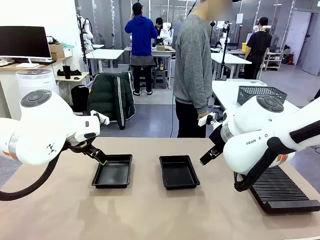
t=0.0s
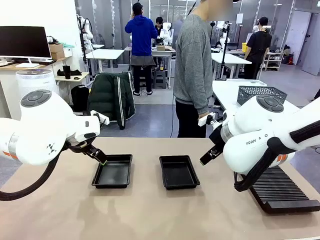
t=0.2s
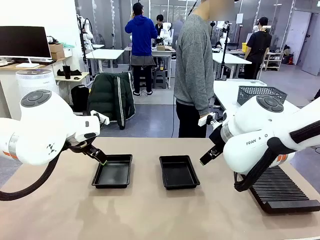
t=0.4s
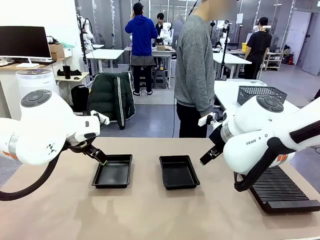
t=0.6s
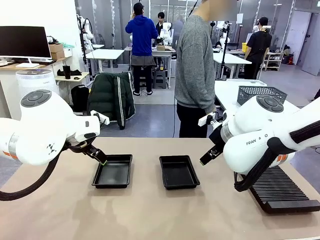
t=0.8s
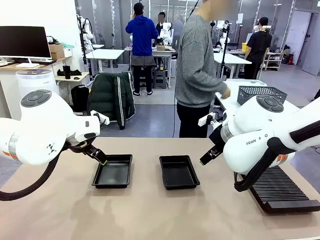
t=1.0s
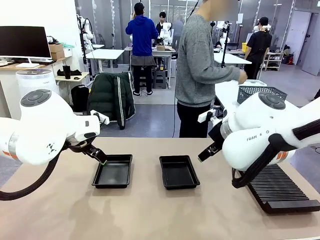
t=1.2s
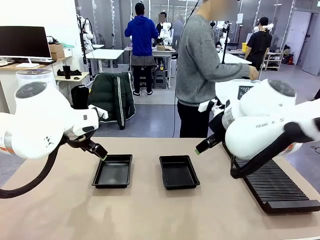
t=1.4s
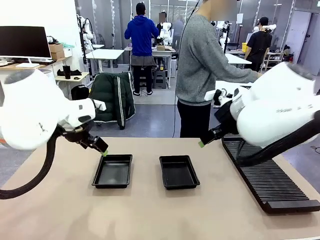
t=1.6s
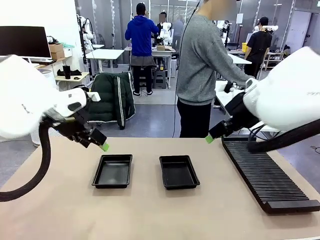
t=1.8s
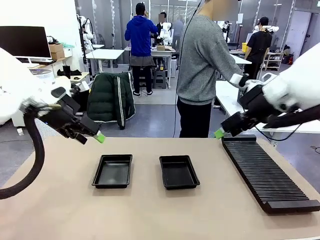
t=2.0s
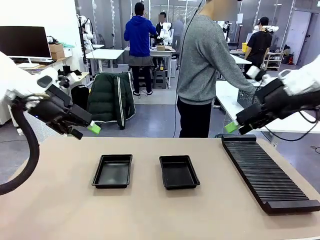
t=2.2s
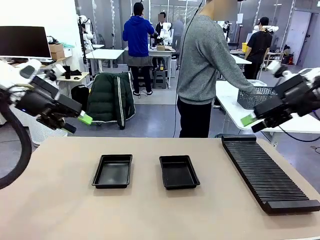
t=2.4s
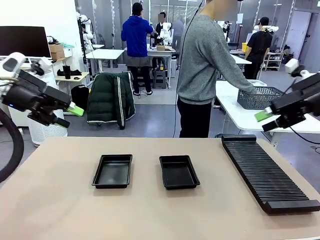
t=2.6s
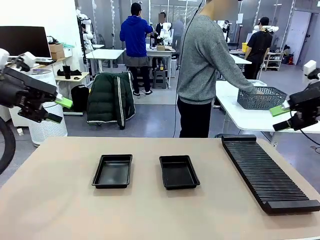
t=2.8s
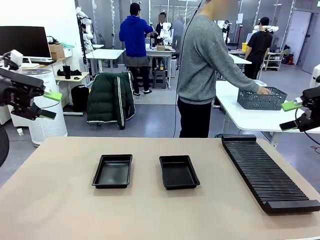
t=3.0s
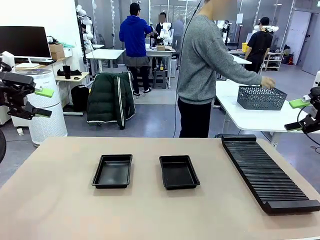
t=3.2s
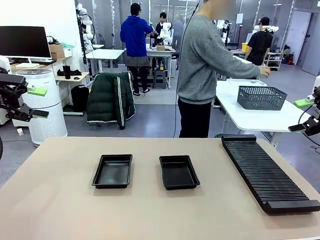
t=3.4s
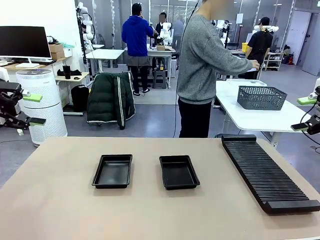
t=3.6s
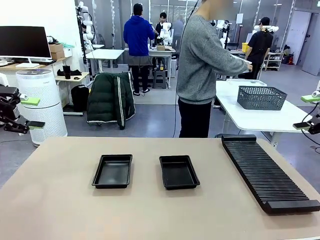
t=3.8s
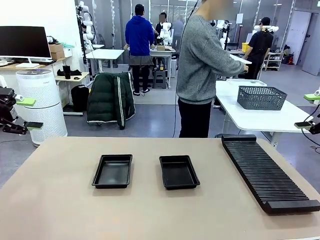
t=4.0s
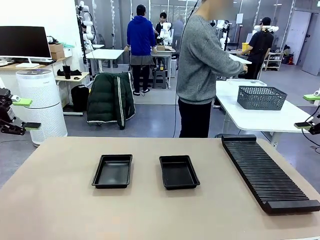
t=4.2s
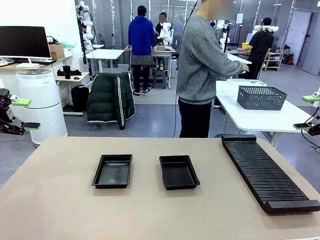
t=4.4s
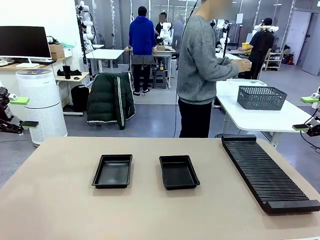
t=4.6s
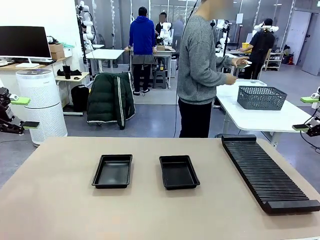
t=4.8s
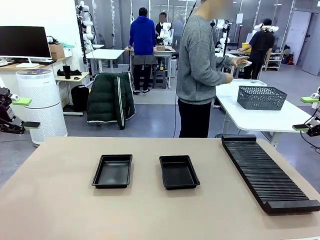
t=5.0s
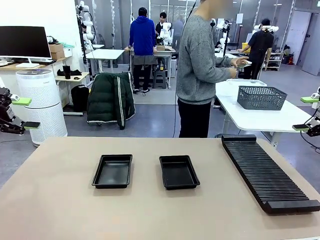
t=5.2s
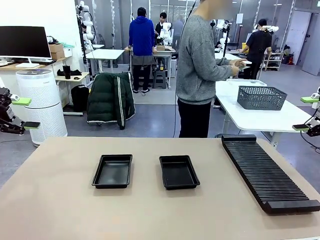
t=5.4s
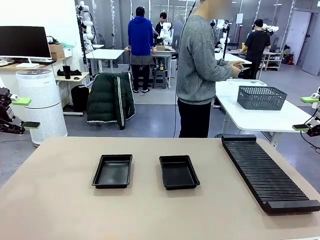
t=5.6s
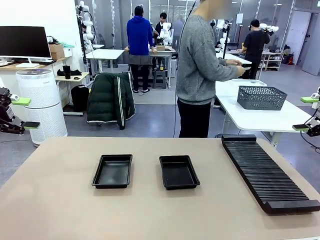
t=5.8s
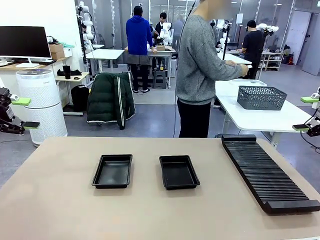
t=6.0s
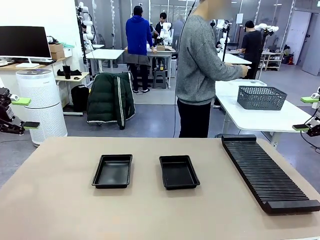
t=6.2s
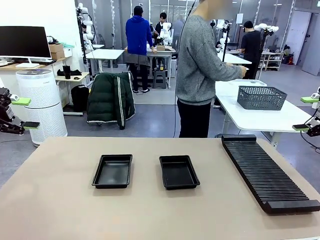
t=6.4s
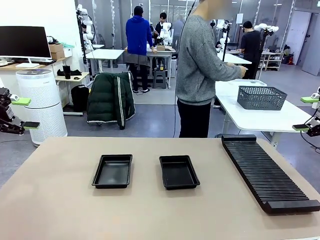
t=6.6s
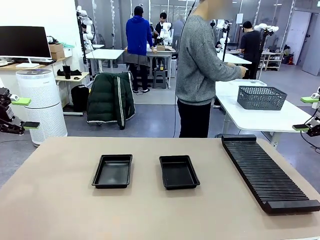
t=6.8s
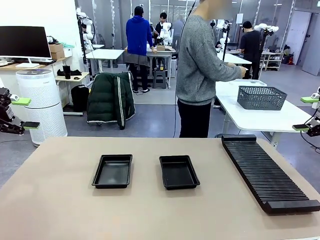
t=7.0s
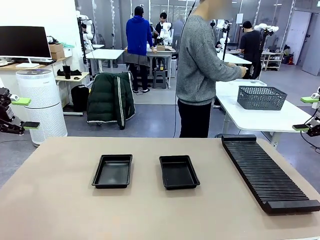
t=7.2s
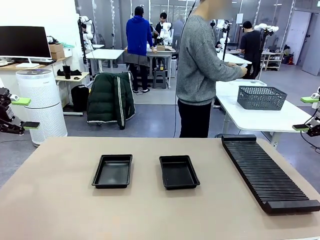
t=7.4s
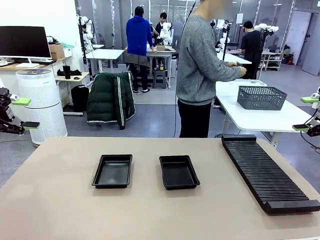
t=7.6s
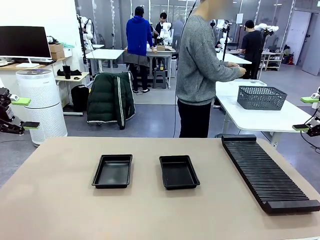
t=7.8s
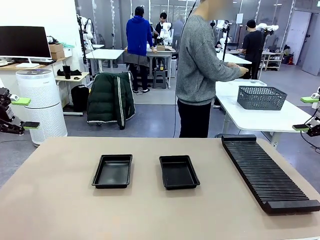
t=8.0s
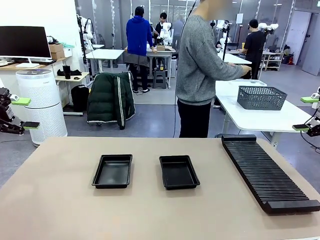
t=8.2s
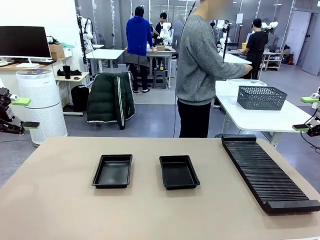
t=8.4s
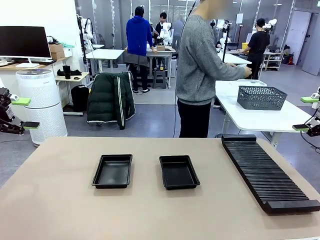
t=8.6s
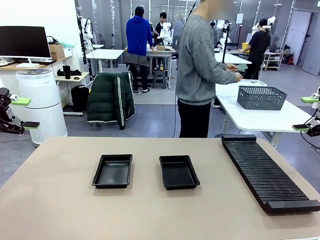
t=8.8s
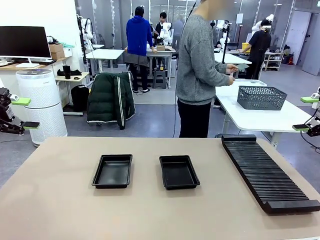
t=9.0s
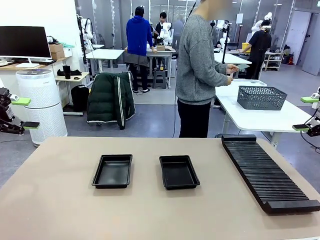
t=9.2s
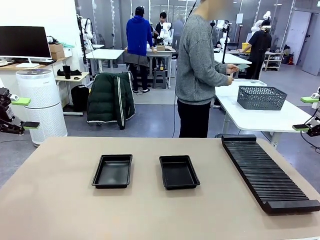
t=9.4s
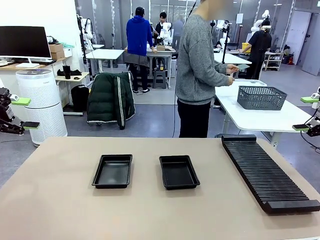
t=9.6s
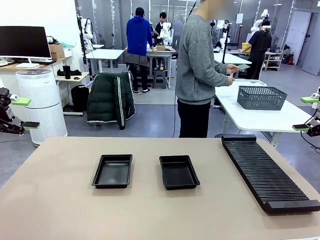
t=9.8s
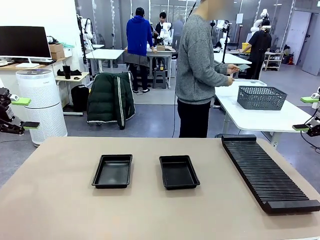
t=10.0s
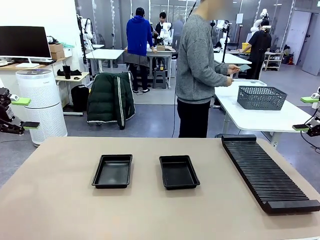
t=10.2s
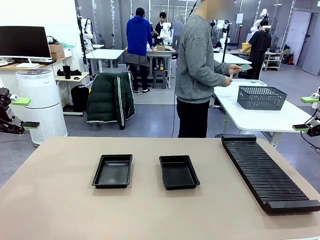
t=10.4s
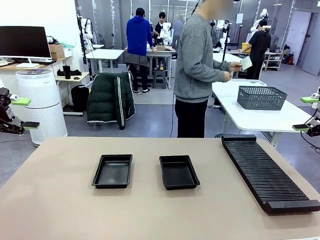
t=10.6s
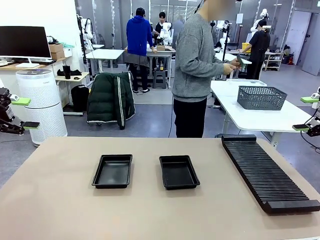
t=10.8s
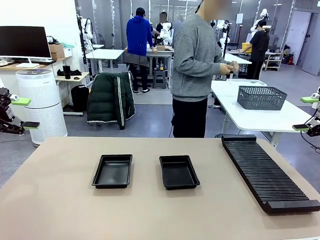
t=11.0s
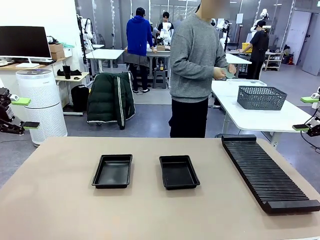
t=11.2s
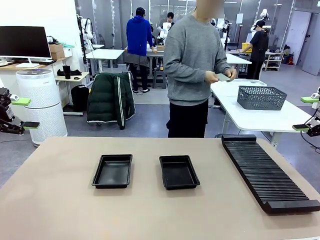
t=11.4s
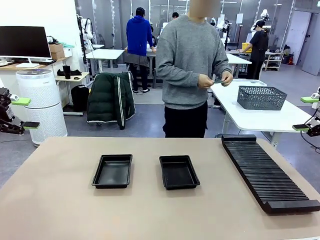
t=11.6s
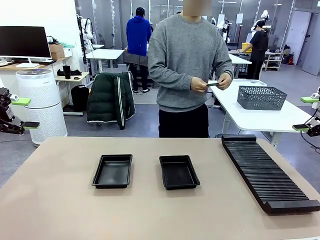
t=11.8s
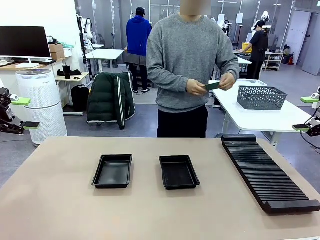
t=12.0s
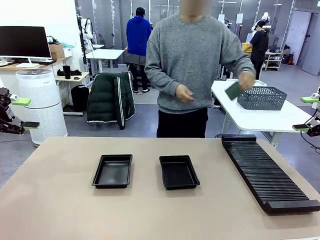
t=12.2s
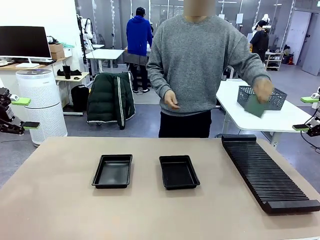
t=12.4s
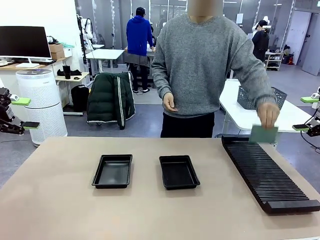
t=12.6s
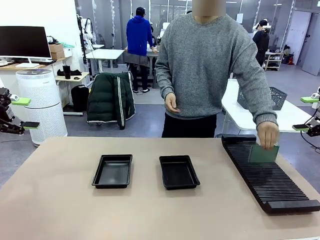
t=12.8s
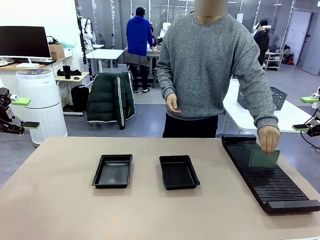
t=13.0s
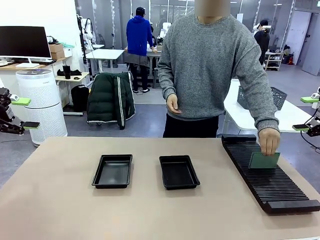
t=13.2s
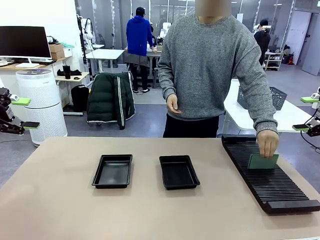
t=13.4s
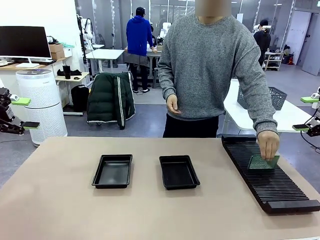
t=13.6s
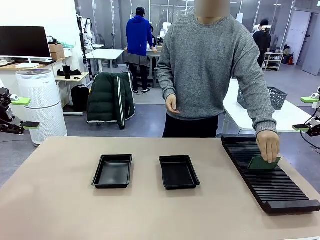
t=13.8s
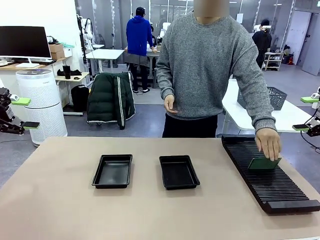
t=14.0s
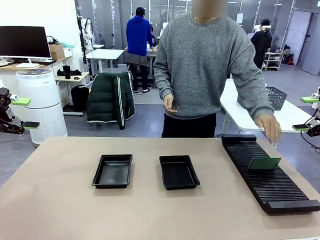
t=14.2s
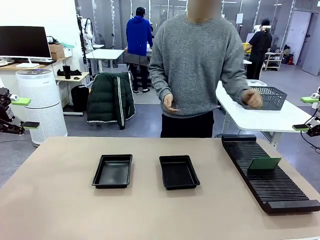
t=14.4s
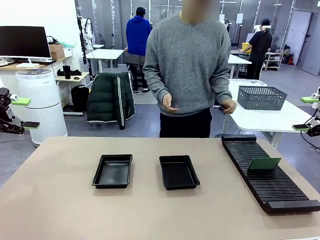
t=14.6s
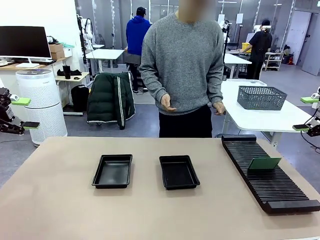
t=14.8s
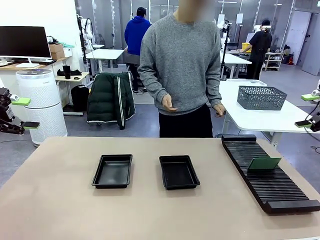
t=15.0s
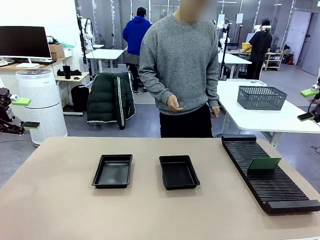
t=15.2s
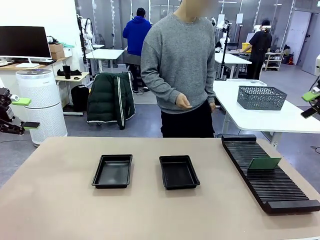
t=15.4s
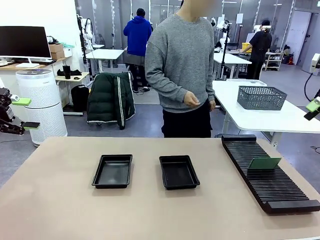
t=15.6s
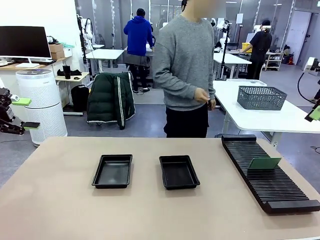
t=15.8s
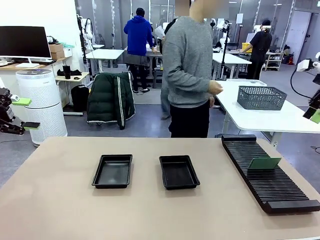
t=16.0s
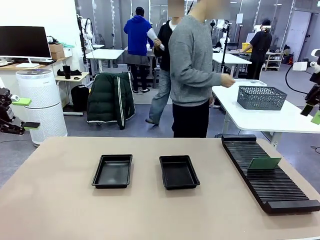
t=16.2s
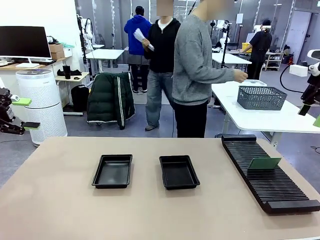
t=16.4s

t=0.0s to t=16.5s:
Task: Inspect and transfer BCBs to ESD trays.
Robot: Pick up the Blank PCB from the PCB Rack and place it in the left ESD tray.
